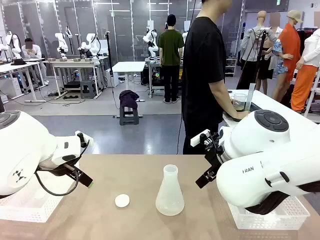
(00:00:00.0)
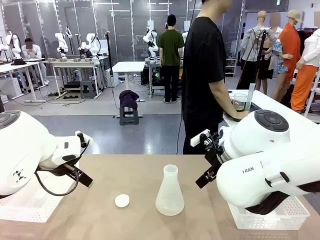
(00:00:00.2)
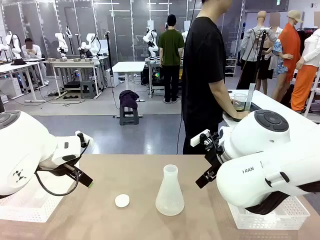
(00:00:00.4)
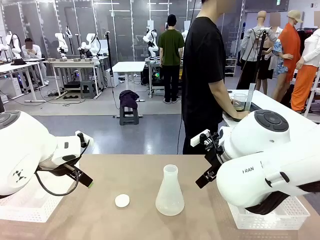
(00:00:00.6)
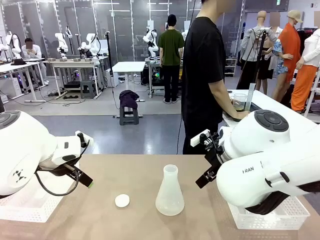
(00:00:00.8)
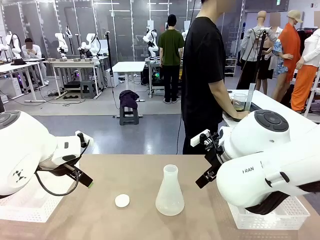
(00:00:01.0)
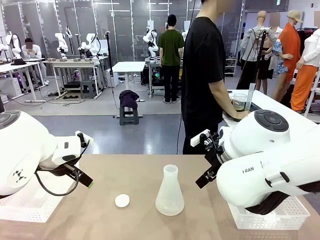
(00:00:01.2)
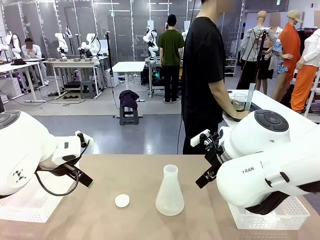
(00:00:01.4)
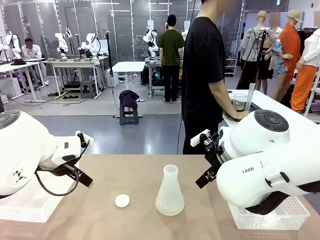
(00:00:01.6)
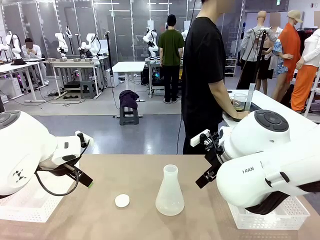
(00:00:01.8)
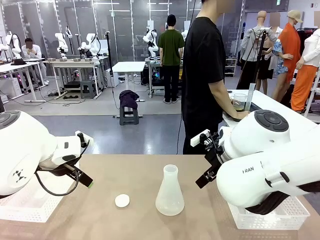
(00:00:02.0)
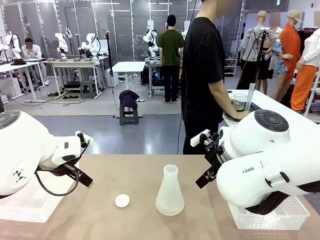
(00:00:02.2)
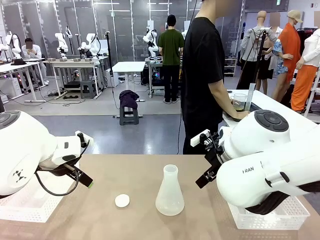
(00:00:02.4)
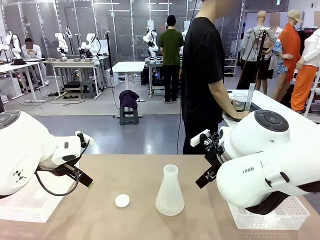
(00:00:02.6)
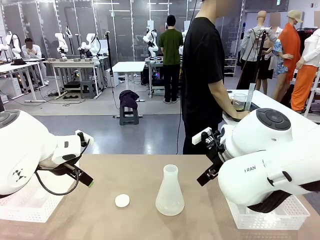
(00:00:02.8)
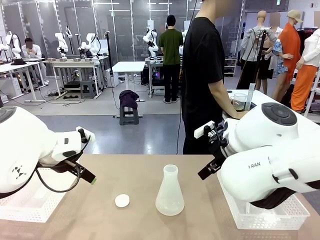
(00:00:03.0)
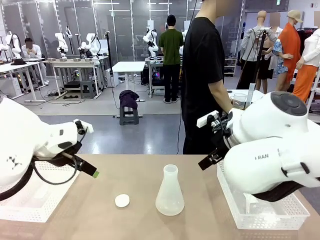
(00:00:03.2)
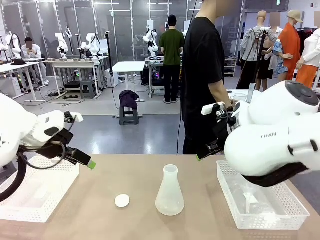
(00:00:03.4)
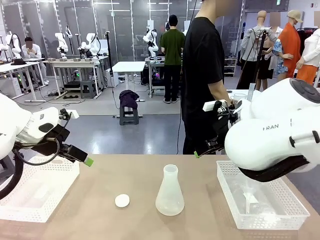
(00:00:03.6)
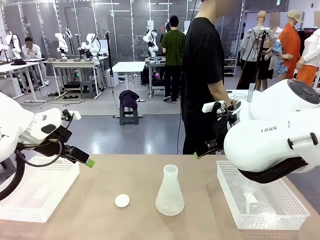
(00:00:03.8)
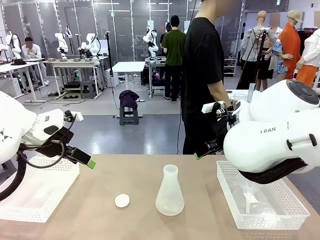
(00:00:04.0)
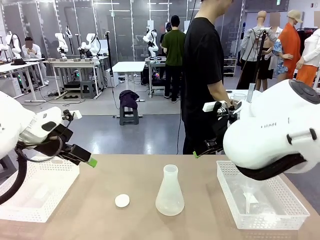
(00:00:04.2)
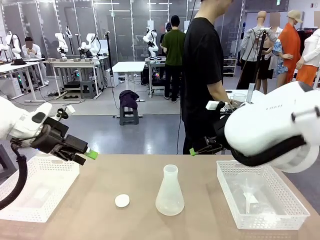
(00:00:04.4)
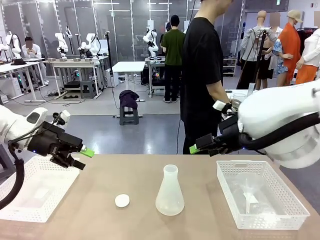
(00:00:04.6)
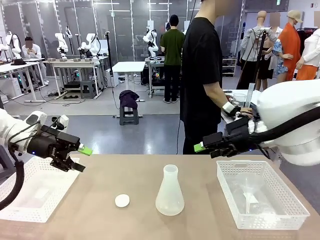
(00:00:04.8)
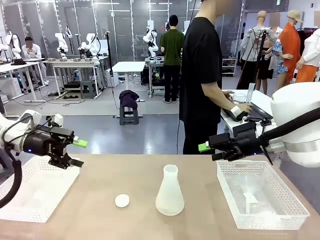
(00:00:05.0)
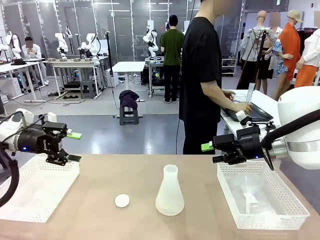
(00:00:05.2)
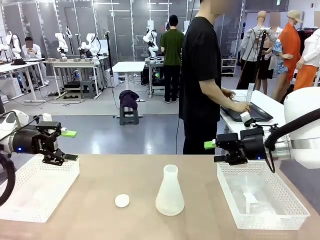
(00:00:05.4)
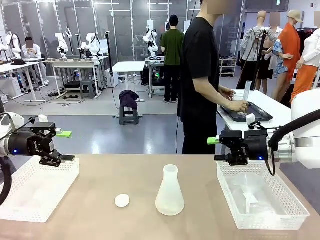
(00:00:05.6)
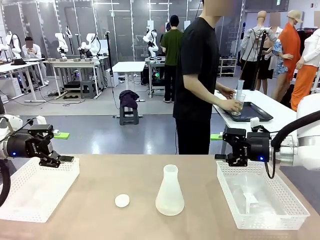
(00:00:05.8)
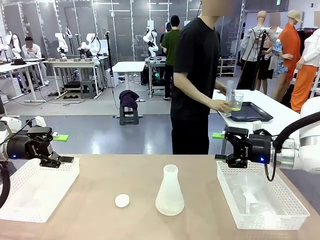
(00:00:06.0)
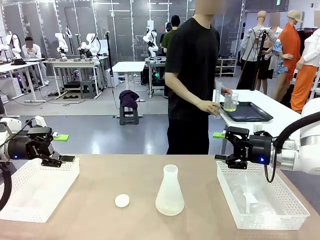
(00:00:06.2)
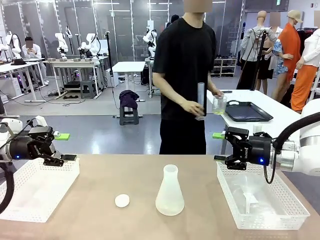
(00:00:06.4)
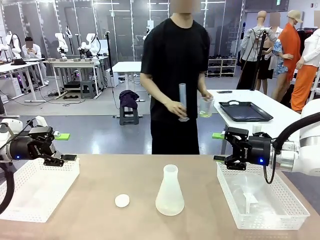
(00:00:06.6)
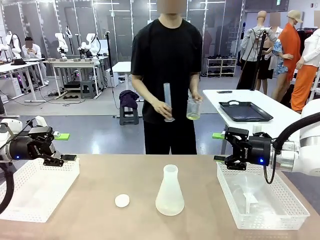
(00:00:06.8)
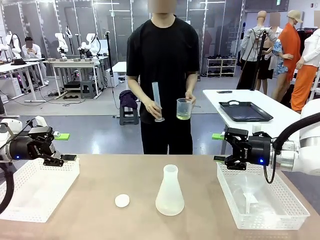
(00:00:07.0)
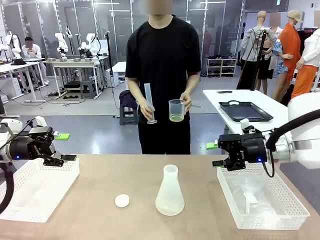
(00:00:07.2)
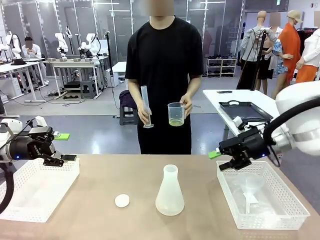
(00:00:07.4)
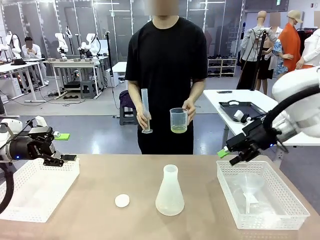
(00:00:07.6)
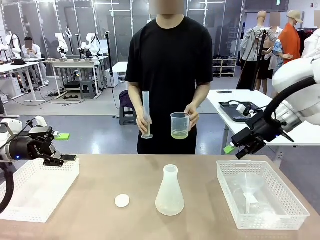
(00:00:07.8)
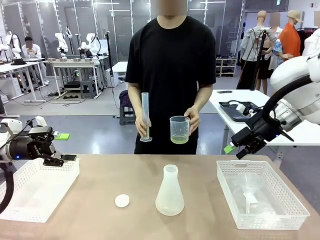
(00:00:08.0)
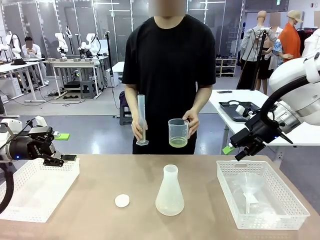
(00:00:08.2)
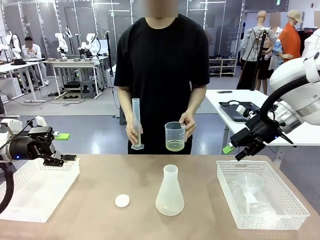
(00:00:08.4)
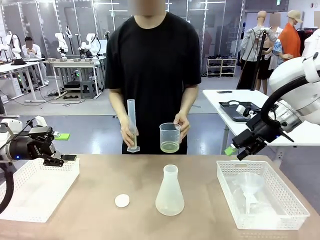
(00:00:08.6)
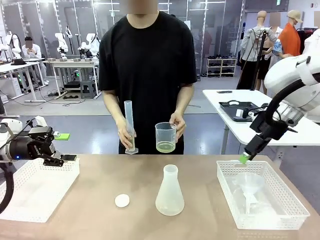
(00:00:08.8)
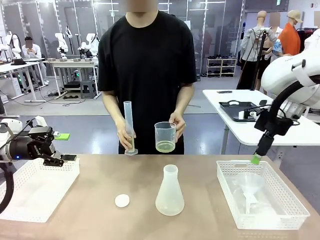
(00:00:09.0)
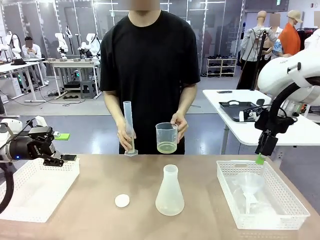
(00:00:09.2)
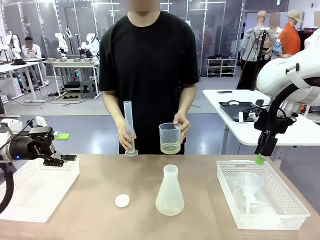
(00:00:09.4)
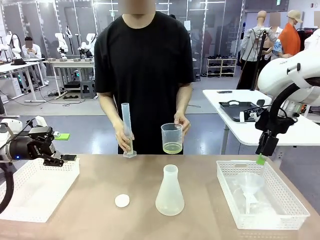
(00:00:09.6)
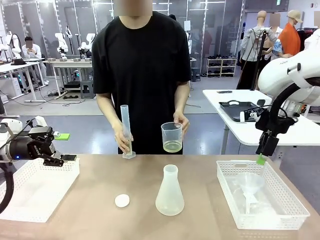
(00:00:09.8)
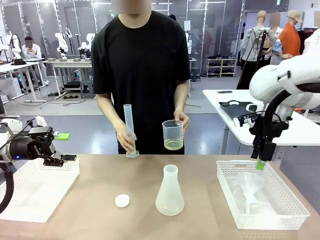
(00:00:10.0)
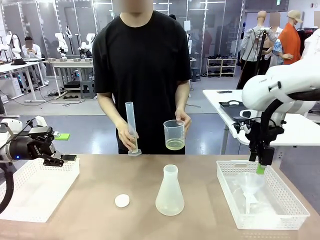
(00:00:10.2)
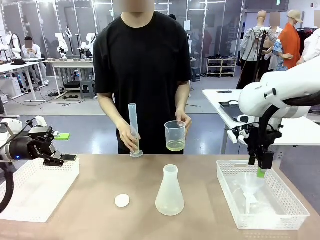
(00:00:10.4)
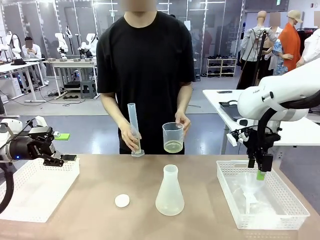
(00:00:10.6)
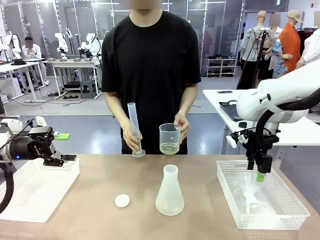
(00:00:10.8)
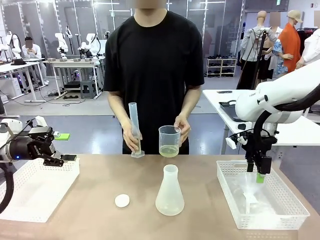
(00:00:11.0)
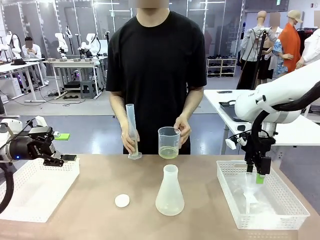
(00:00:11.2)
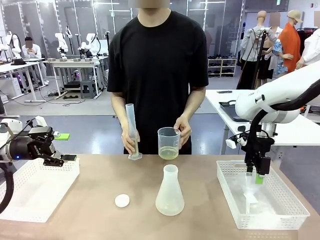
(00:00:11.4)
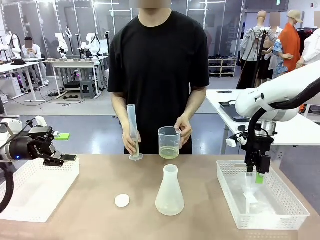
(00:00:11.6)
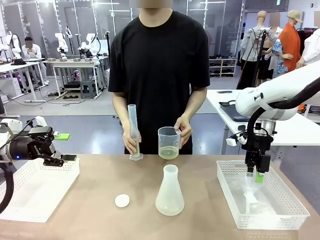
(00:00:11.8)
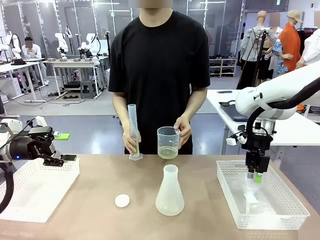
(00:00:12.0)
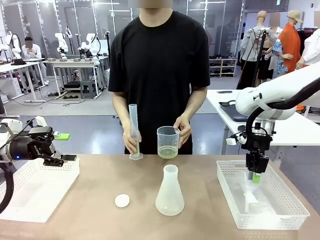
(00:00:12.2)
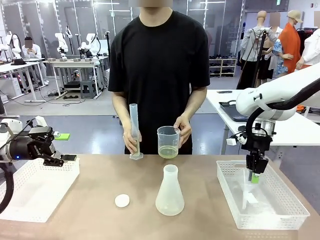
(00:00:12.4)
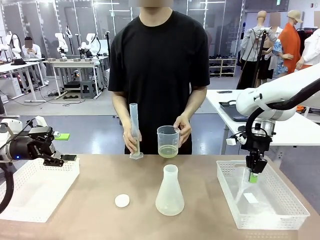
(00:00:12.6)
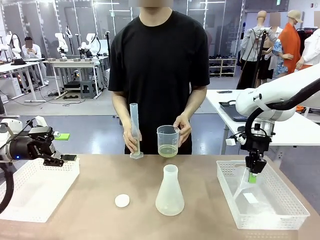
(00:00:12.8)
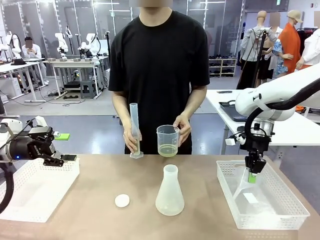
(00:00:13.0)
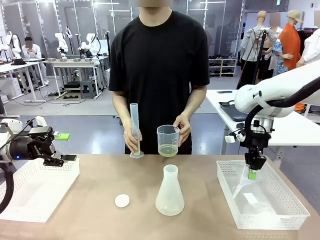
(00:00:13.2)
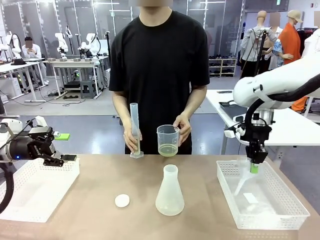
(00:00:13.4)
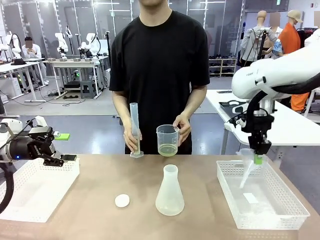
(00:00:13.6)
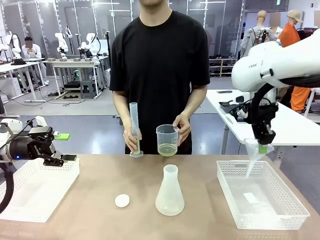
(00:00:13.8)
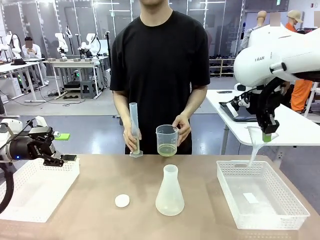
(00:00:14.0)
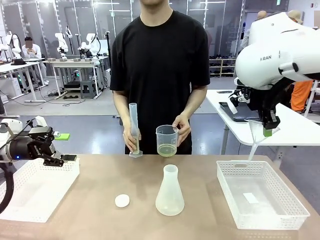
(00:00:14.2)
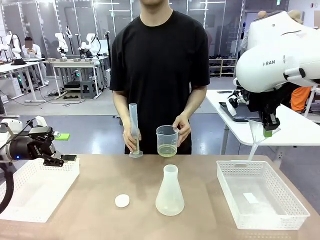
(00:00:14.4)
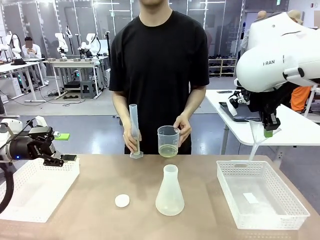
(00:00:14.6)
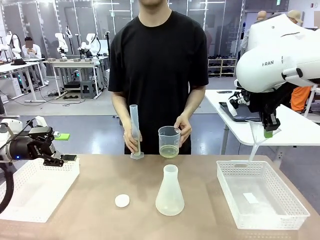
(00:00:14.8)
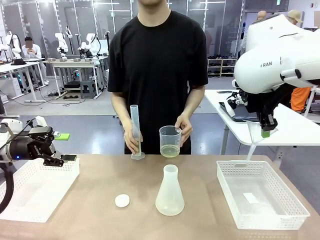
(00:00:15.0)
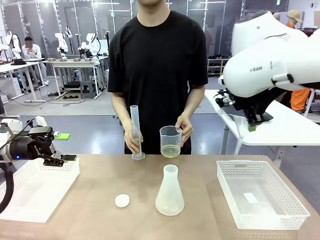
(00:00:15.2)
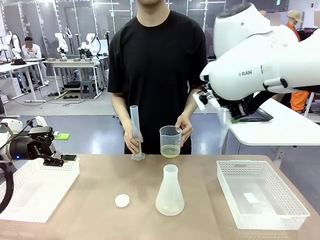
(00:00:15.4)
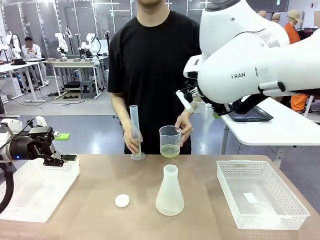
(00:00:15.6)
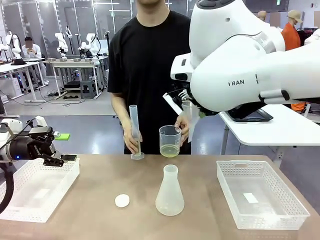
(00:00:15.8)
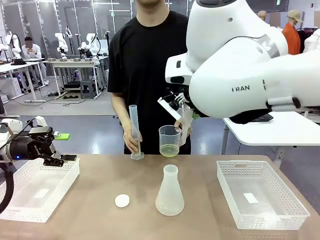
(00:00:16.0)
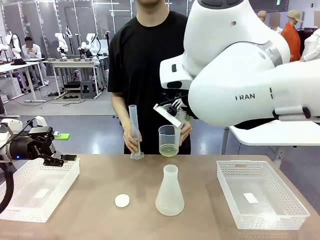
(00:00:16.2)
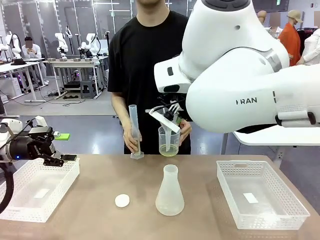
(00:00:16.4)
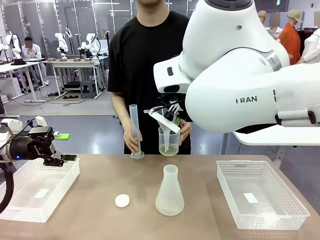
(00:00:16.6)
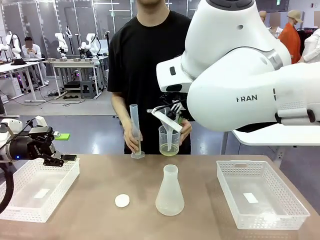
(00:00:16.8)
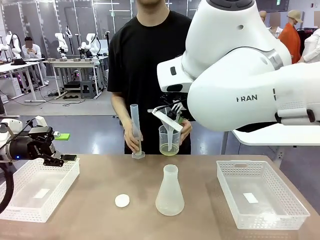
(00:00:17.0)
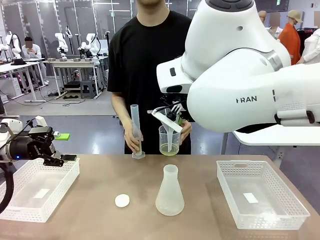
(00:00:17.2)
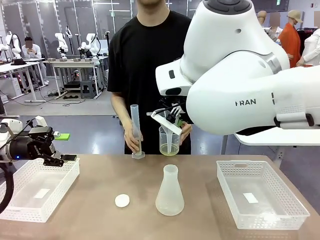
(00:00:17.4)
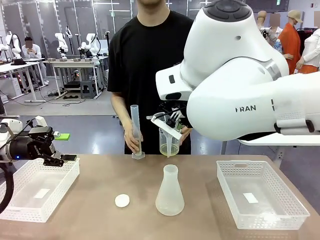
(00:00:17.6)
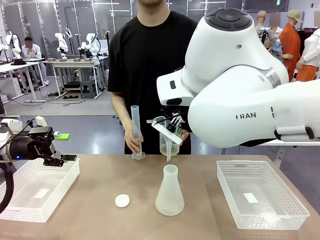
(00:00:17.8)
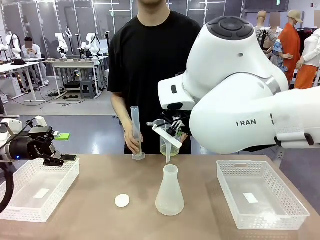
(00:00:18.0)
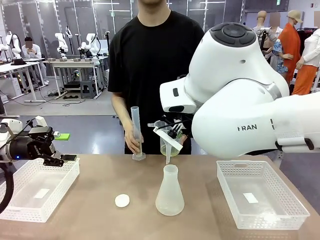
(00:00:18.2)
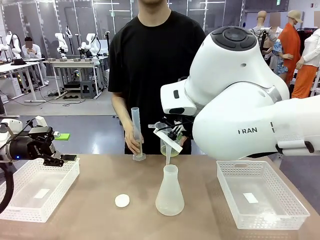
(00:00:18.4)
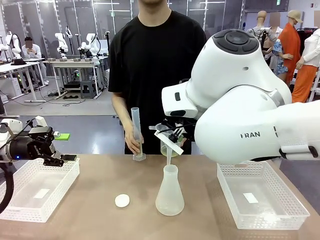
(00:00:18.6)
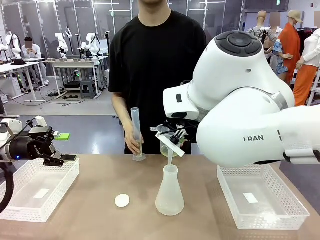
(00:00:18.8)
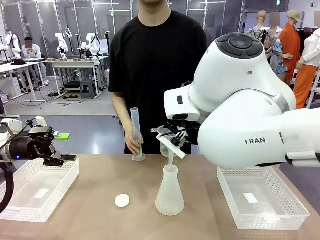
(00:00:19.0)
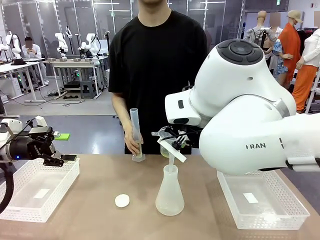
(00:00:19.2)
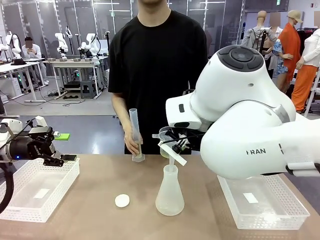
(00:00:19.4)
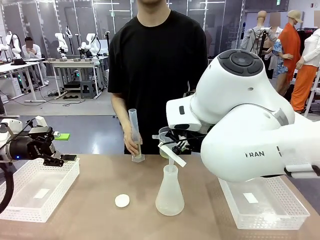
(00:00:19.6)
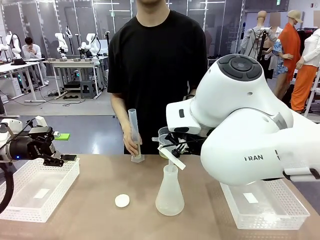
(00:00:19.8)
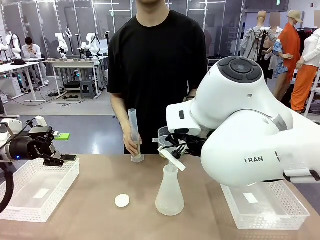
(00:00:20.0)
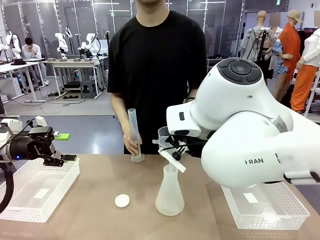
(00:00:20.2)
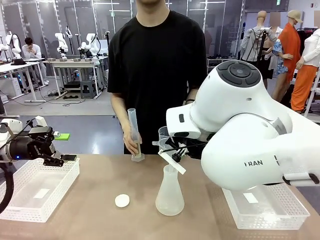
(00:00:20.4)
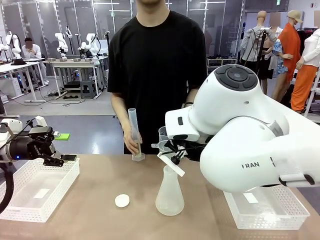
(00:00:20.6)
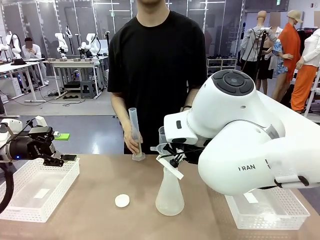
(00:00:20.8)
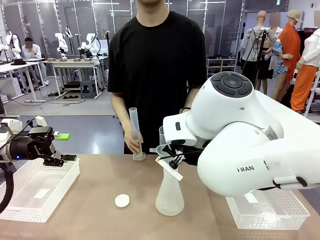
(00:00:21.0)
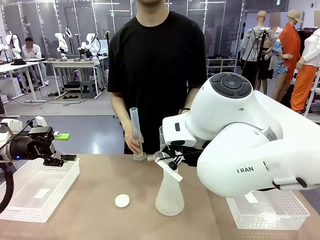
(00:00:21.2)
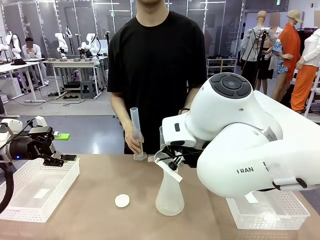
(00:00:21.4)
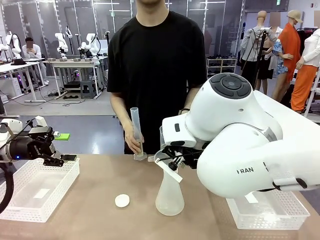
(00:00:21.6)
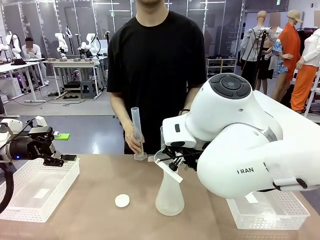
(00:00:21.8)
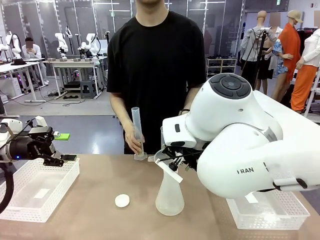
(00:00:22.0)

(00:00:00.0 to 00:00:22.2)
Task: Prepare the solutions needed for the experiment.
Robot: Pick up the Plastic Funnel and insert it into the Big flask.
Person: Pick up the beaker and the cylinder and move to the middle of the robot table. Pour the solution from the beaker and the cylinder into the flask.
